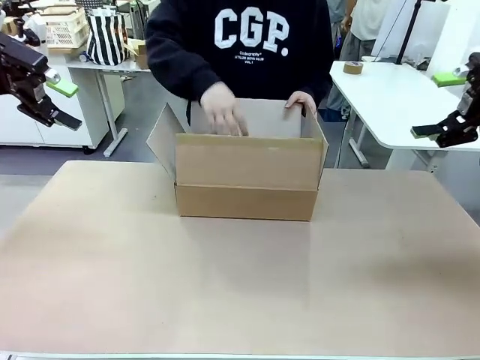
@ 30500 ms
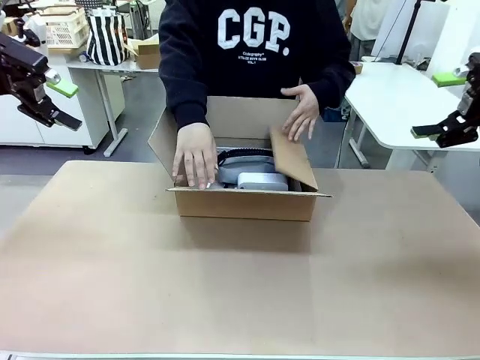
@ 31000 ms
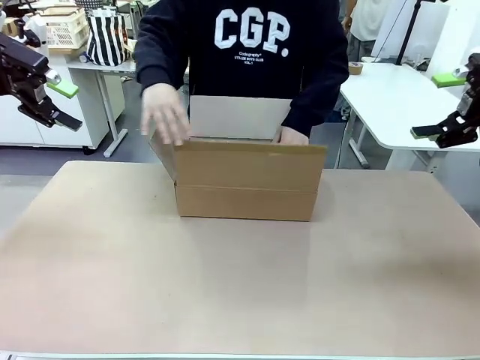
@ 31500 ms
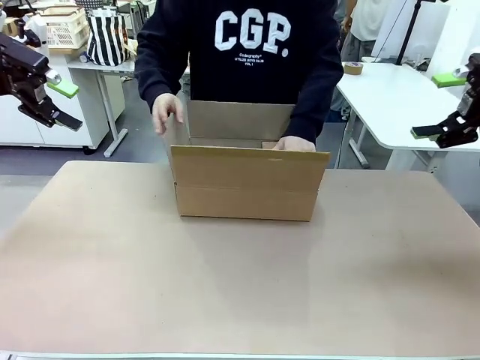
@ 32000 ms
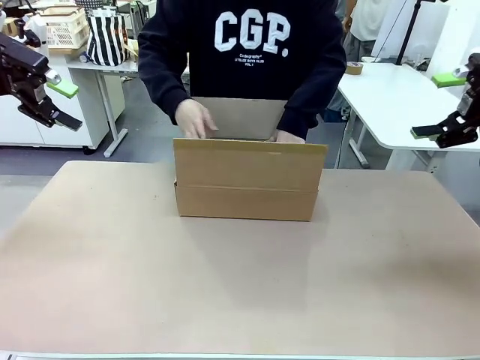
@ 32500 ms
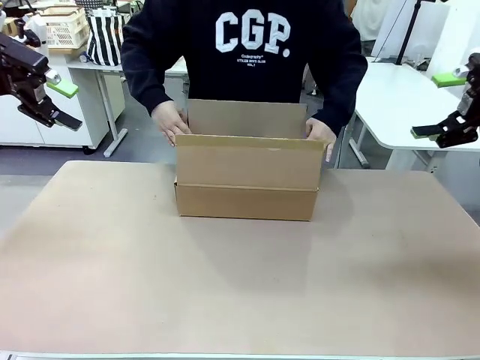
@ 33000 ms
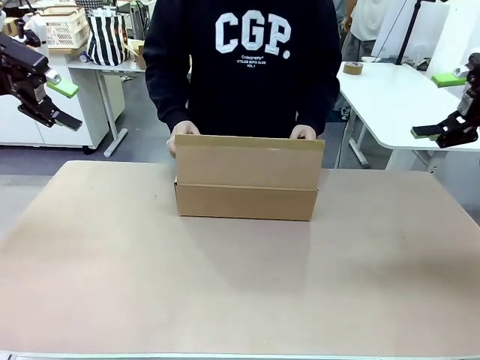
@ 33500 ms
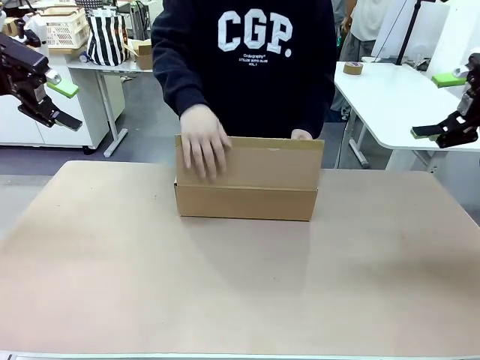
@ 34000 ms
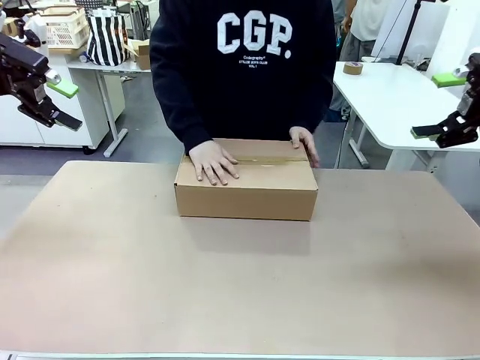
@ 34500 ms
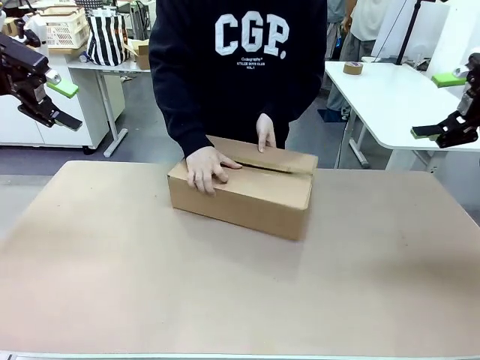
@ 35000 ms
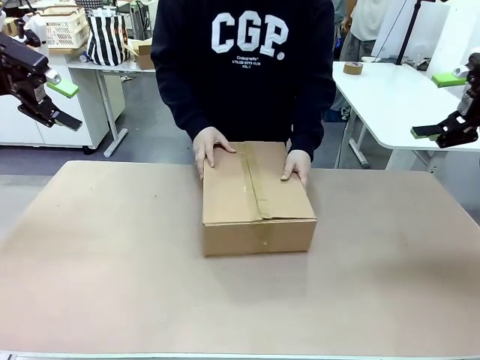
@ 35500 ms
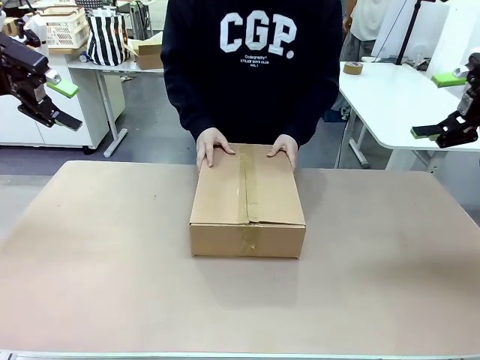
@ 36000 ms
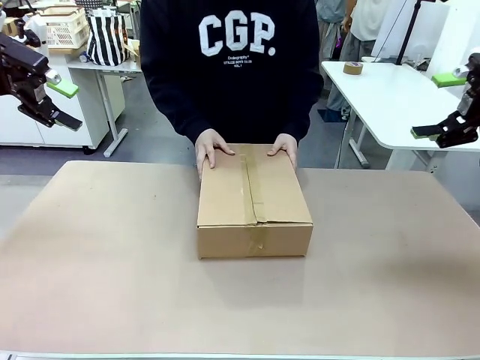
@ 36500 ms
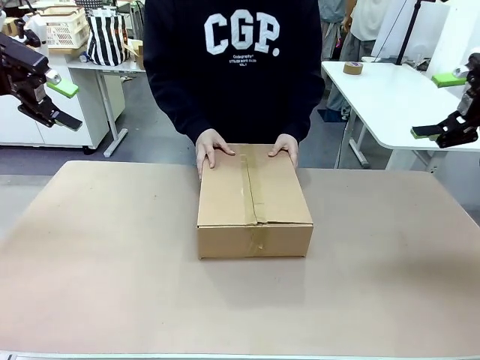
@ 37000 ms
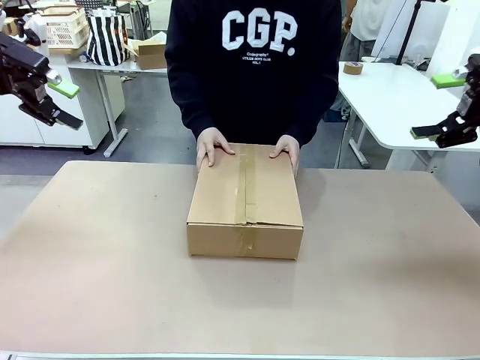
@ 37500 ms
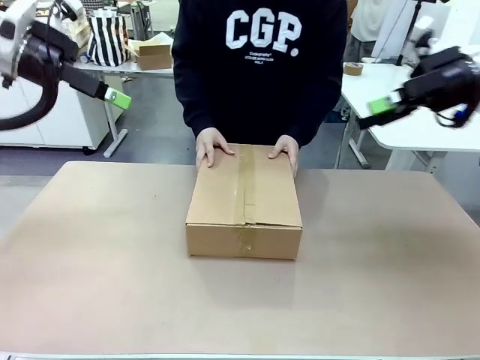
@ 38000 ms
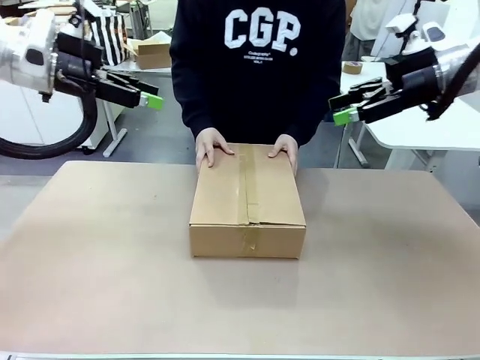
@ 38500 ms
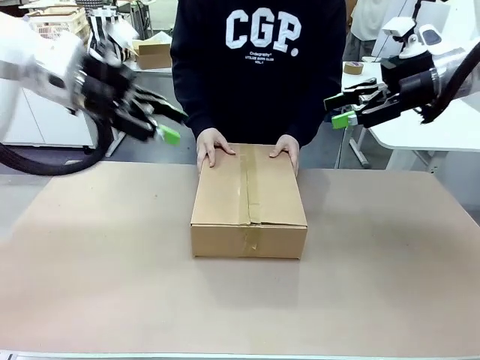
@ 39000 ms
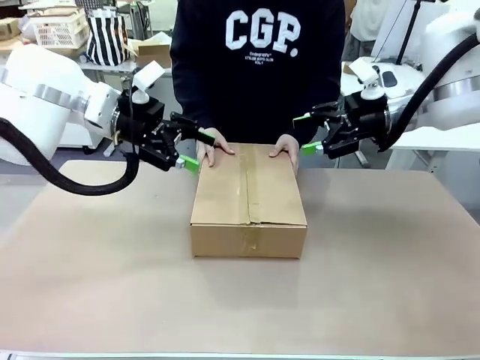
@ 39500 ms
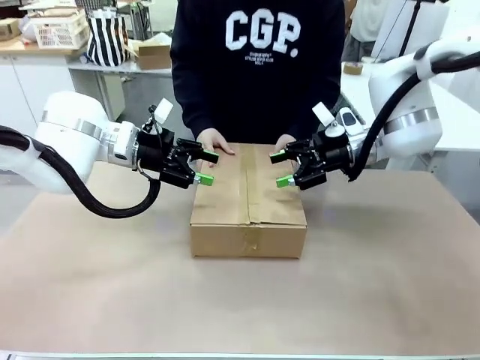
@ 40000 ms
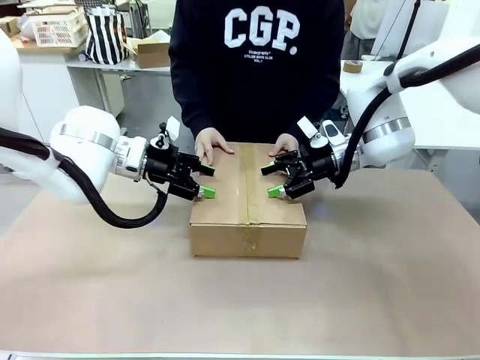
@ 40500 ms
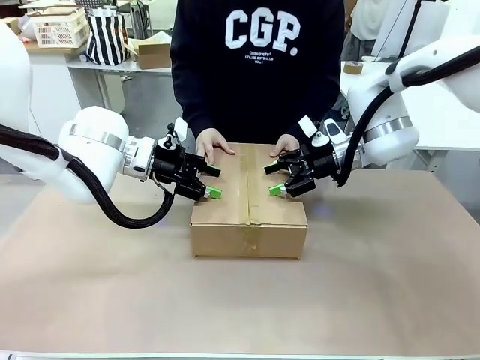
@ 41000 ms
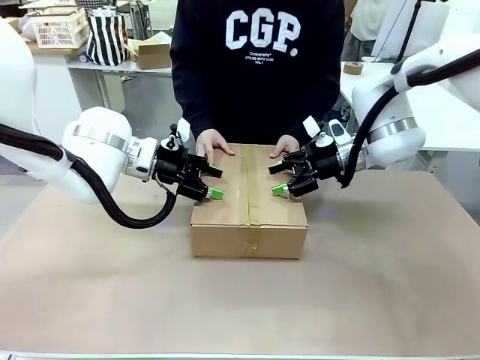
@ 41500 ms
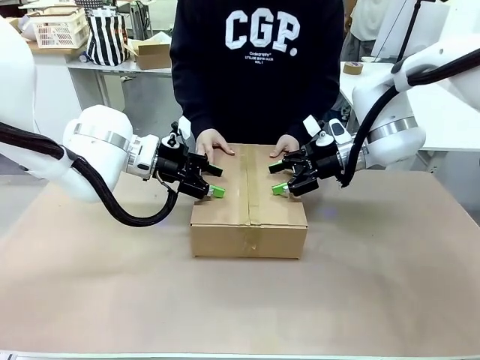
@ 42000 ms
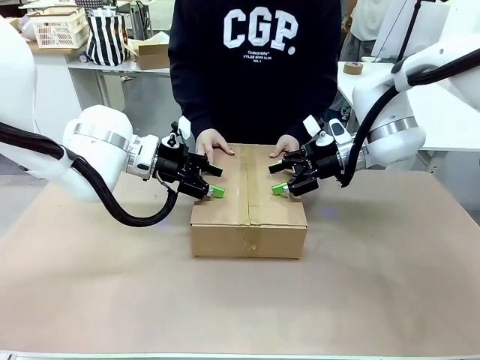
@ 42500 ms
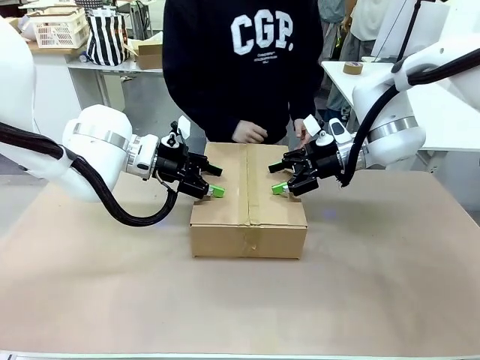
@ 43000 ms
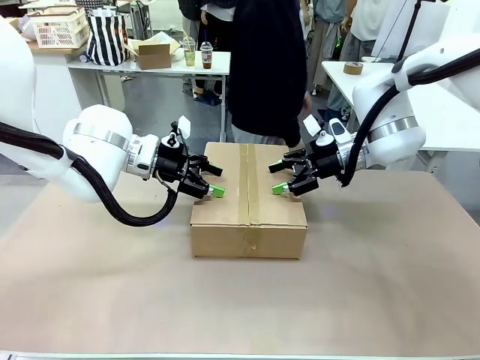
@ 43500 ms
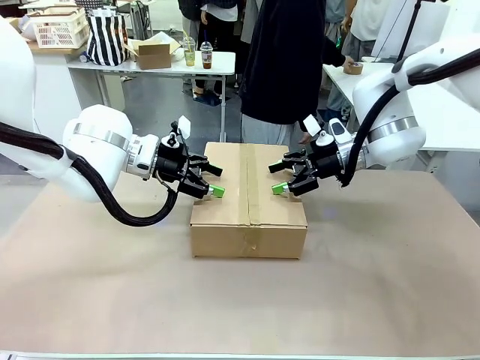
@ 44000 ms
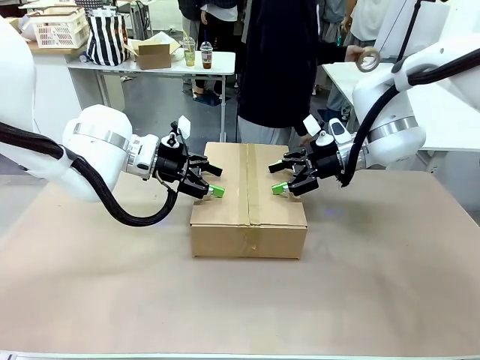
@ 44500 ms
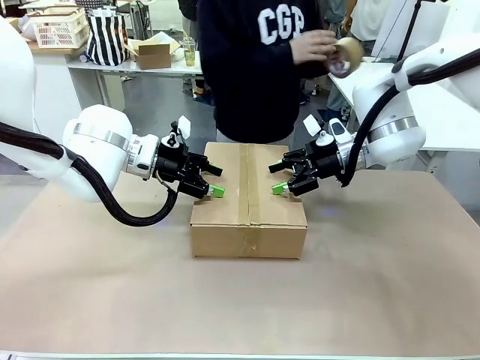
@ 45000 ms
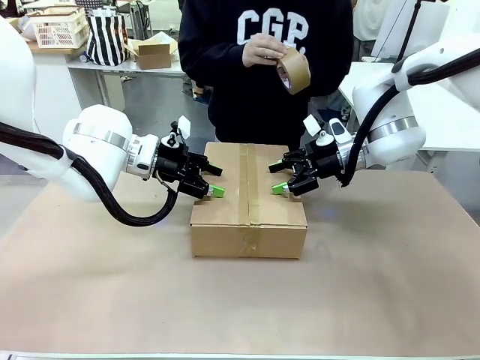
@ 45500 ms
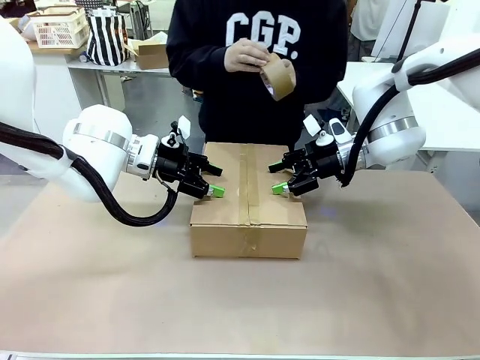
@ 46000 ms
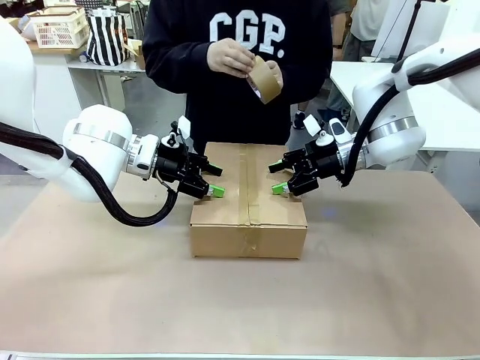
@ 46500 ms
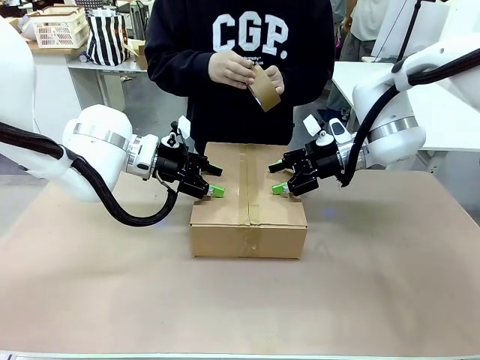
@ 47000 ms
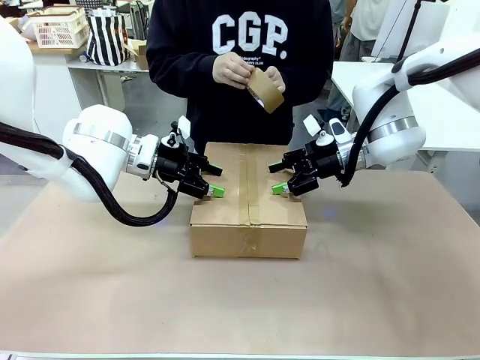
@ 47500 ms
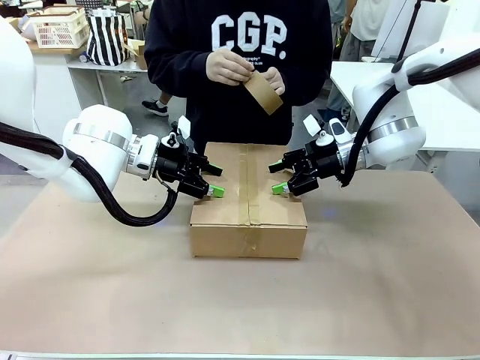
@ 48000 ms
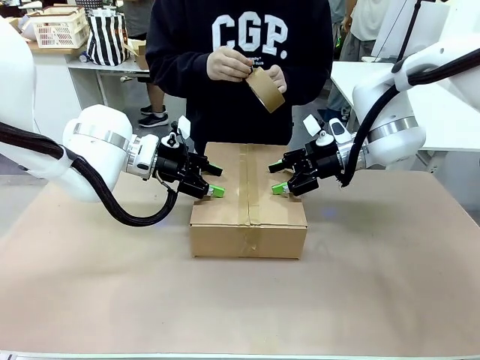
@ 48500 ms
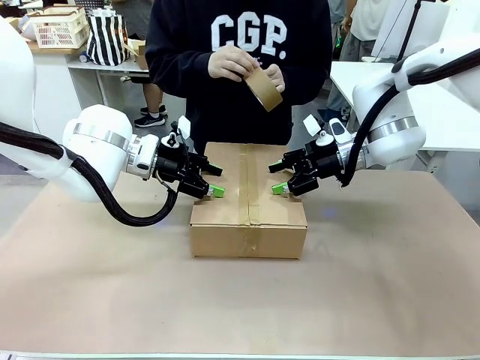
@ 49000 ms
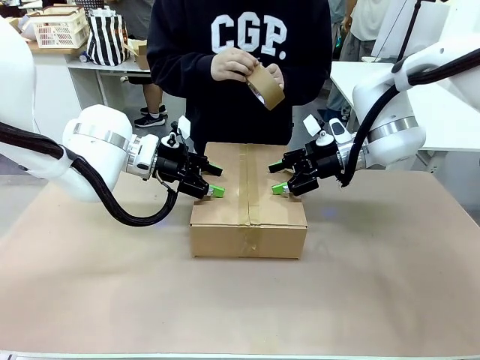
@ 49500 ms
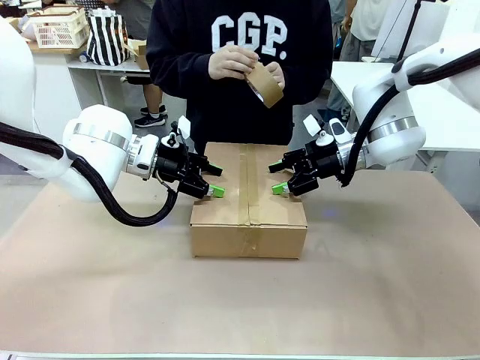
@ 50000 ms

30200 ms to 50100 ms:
Task: Pack the gift set into the box.
Robot: Press and hold the closed box until the human finishes sealing it.
Person: The human closes the box and rotates the box by 90 degrees.

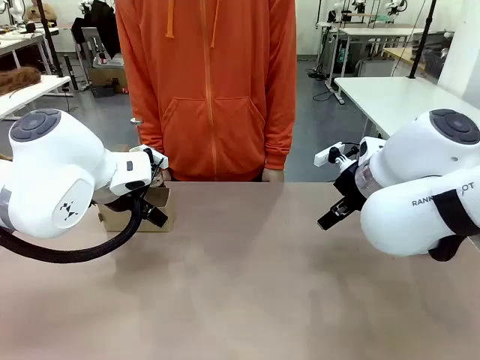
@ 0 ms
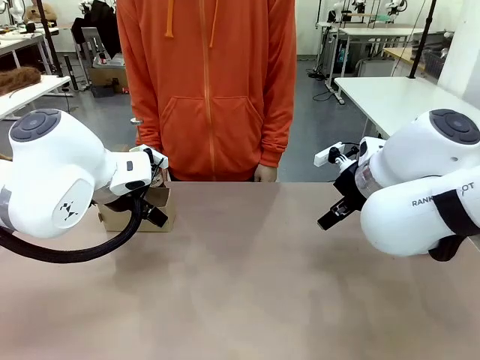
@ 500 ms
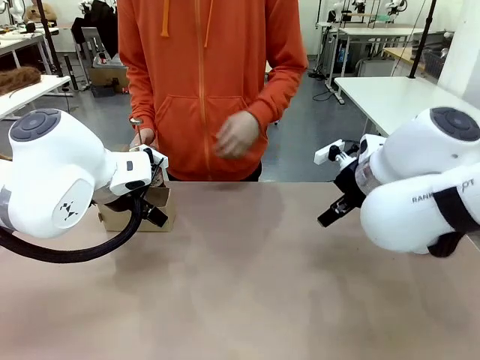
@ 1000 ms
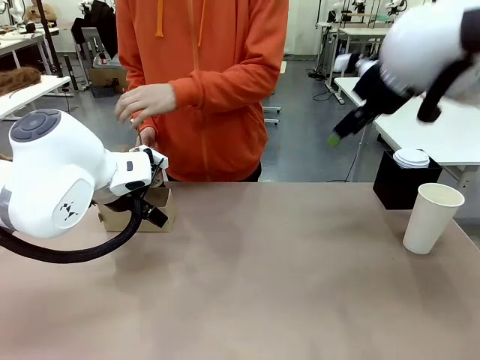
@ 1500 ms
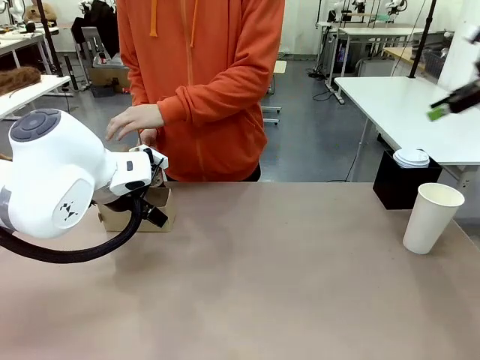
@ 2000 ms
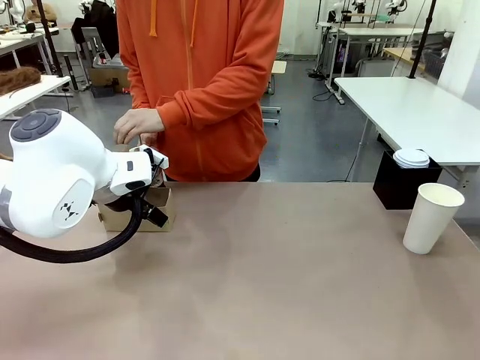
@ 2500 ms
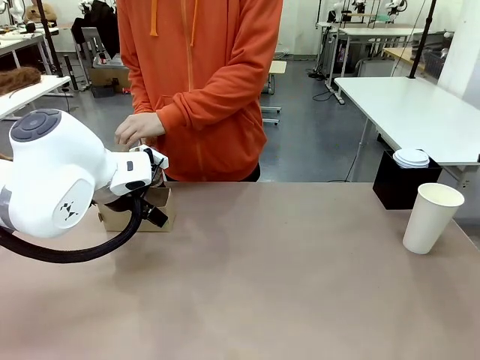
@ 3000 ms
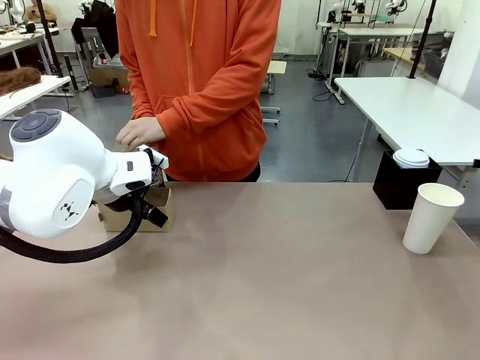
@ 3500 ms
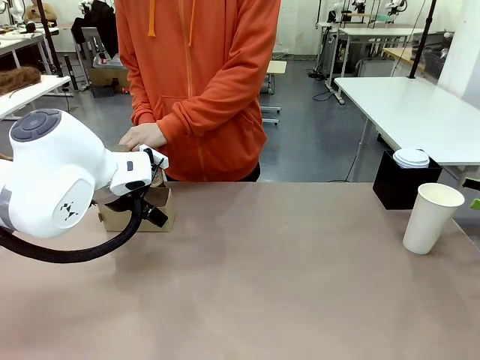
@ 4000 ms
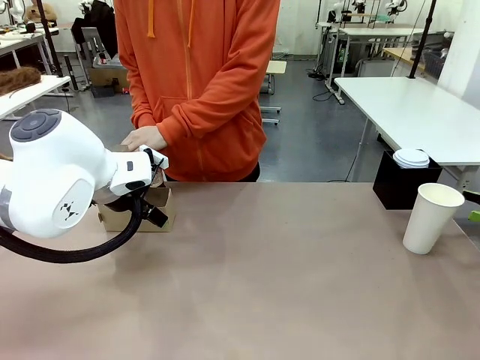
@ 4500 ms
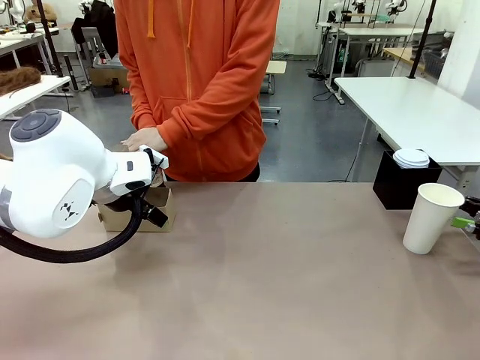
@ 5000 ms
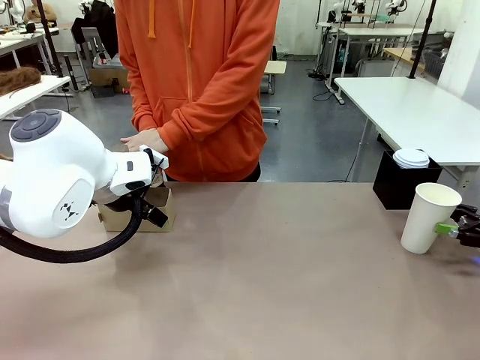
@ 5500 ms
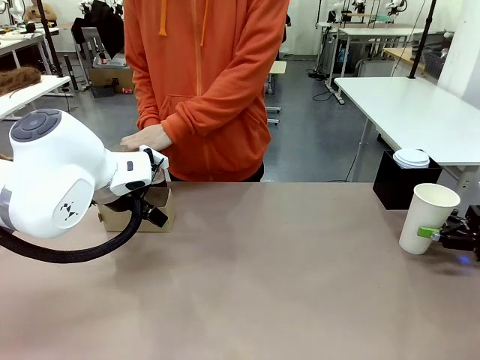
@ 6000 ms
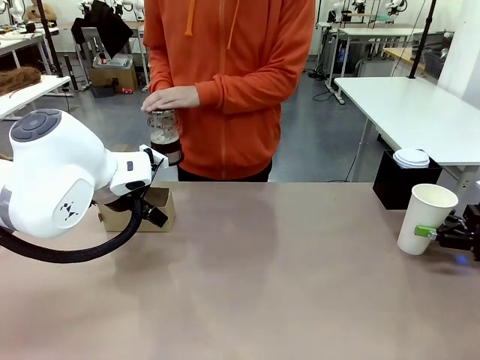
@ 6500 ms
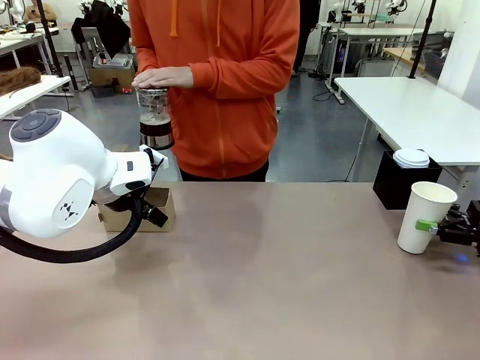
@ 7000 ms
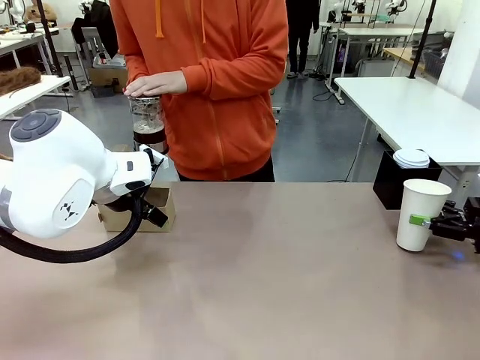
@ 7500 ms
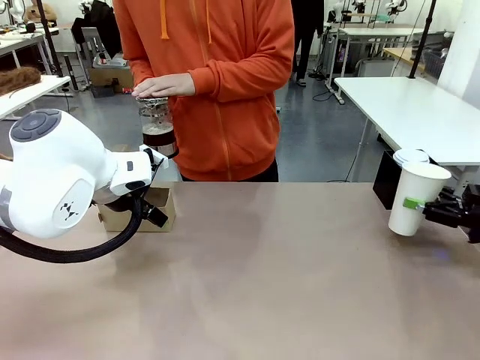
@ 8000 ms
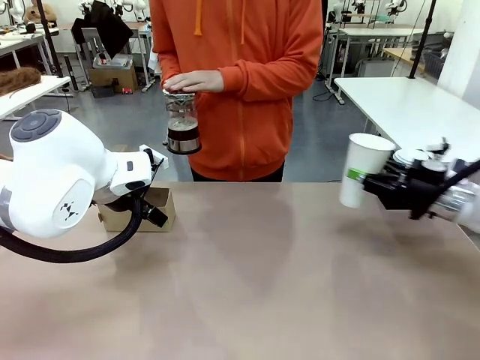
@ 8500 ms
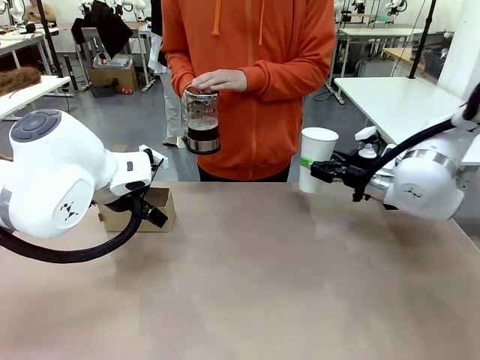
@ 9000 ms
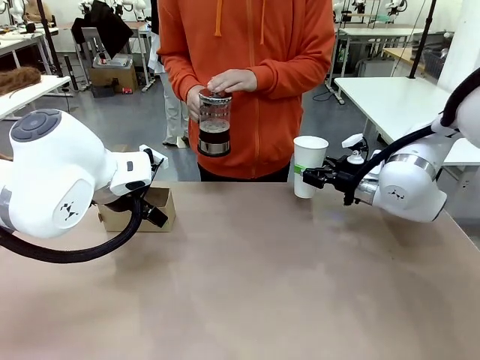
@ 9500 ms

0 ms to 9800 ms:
Task: Pour a drink into a cup and package it in a carrier.
Robot: Pick up the 600 ml Paper Cup and place it in the middle top area of the table.
Person: Press and pick up the Filter Brewing.
